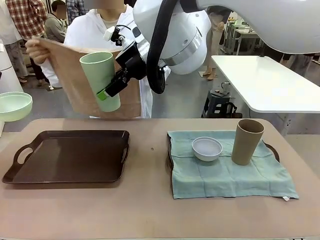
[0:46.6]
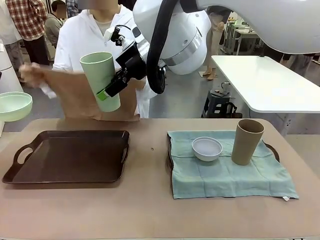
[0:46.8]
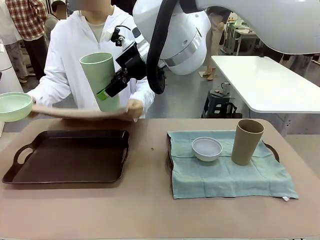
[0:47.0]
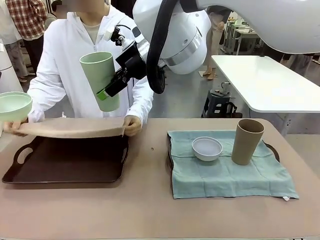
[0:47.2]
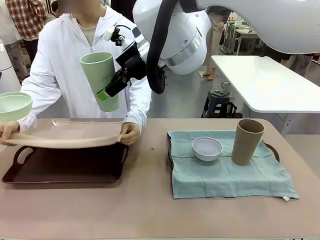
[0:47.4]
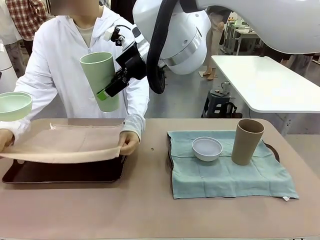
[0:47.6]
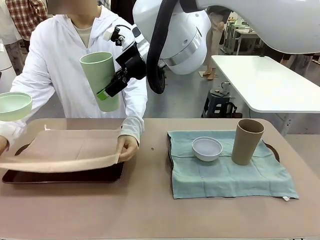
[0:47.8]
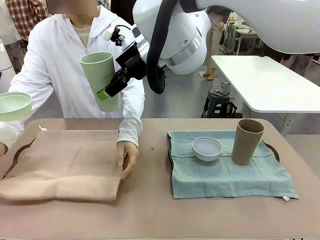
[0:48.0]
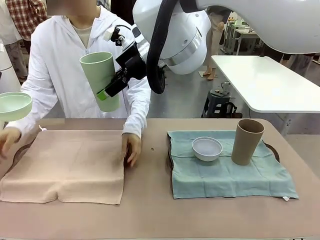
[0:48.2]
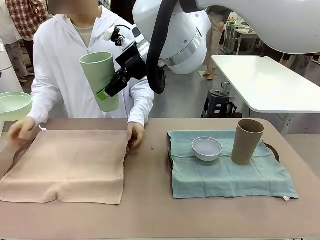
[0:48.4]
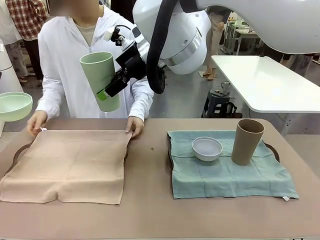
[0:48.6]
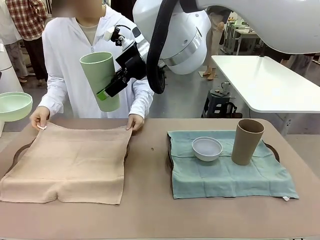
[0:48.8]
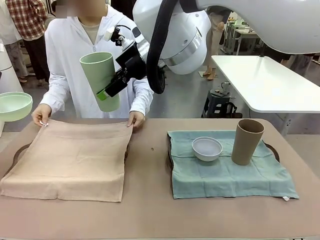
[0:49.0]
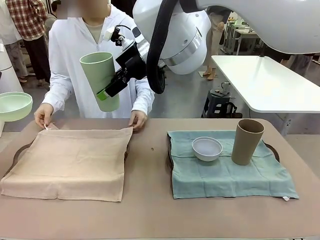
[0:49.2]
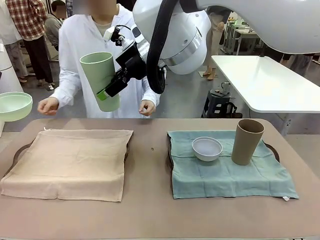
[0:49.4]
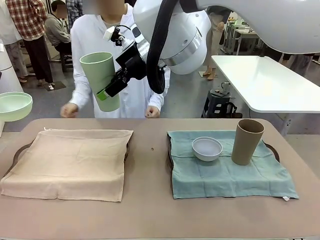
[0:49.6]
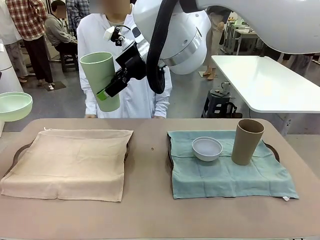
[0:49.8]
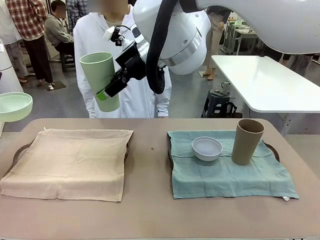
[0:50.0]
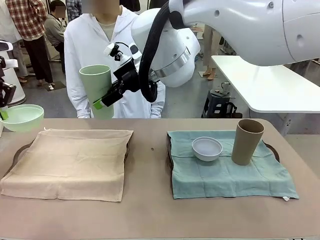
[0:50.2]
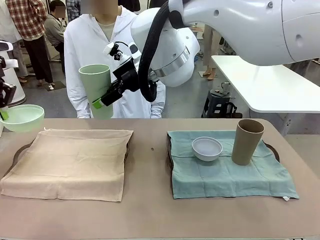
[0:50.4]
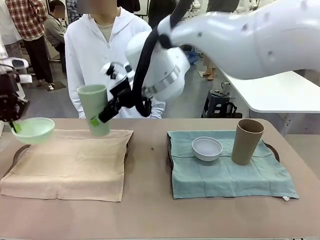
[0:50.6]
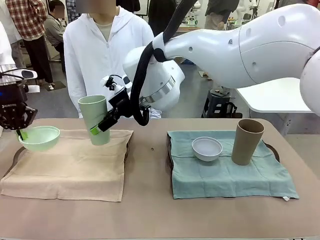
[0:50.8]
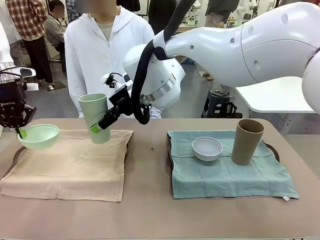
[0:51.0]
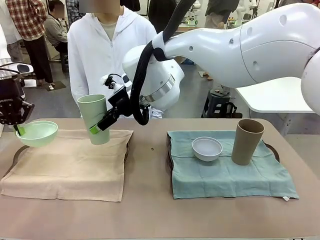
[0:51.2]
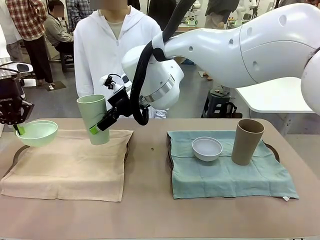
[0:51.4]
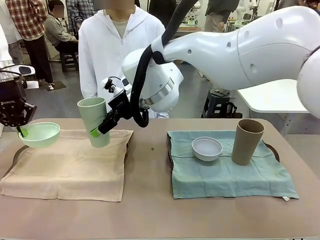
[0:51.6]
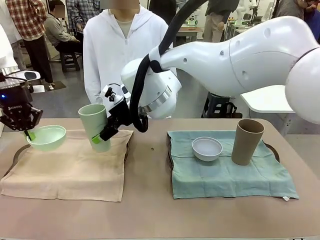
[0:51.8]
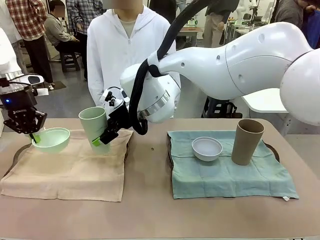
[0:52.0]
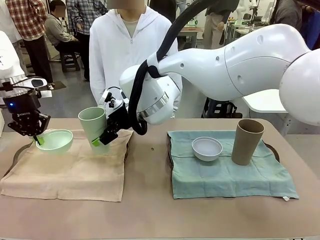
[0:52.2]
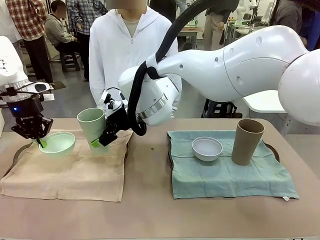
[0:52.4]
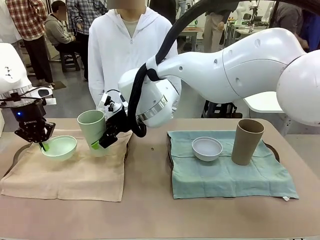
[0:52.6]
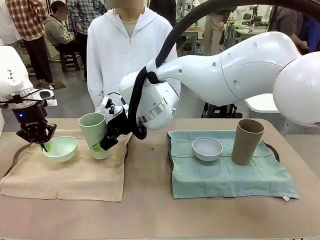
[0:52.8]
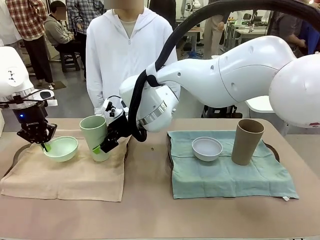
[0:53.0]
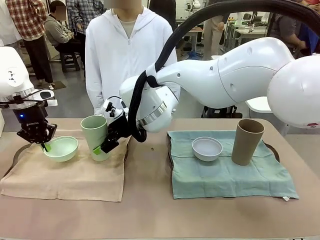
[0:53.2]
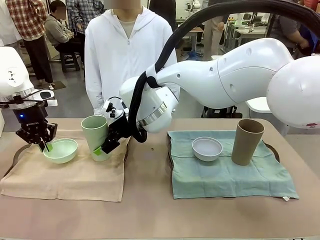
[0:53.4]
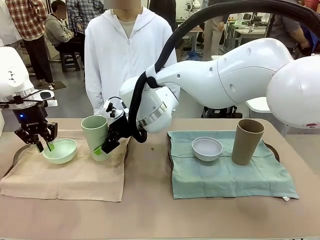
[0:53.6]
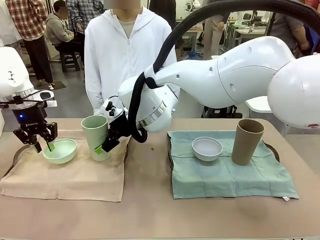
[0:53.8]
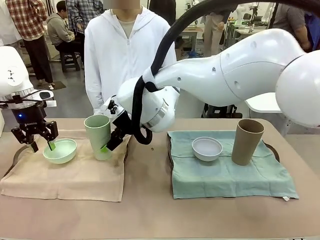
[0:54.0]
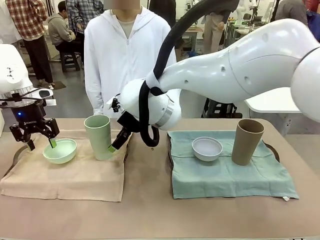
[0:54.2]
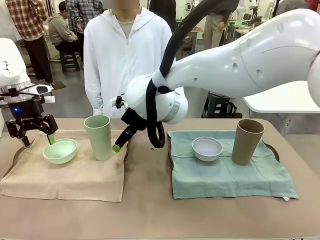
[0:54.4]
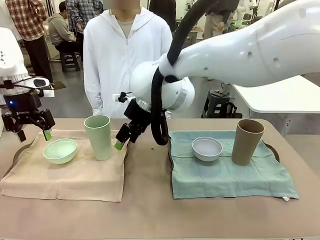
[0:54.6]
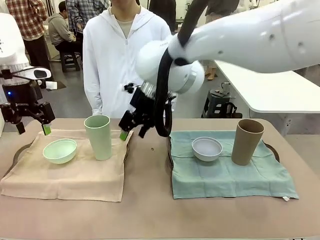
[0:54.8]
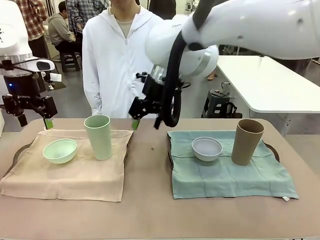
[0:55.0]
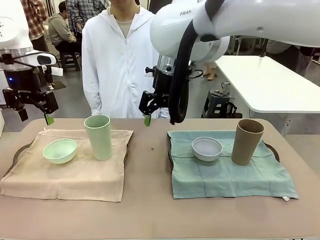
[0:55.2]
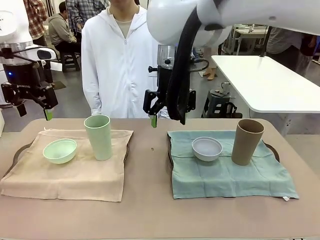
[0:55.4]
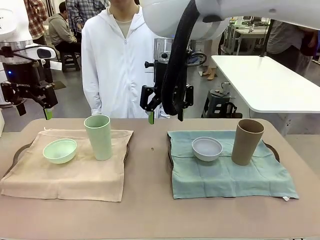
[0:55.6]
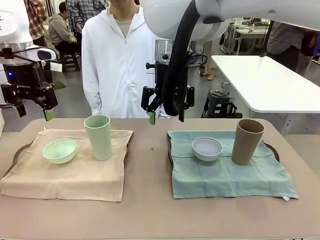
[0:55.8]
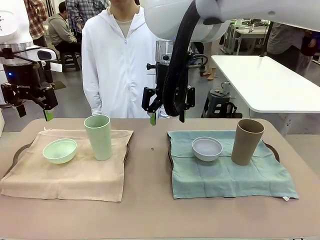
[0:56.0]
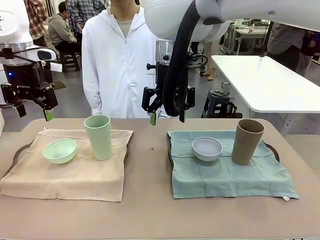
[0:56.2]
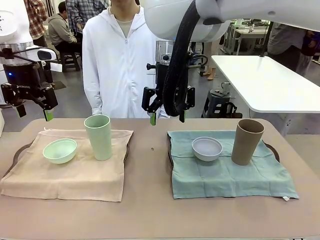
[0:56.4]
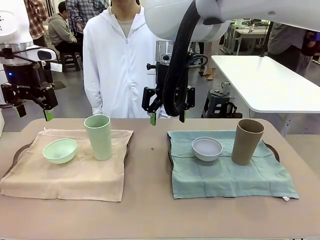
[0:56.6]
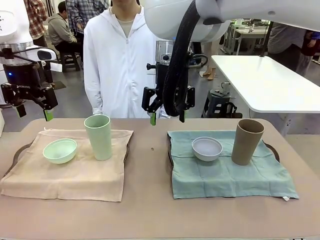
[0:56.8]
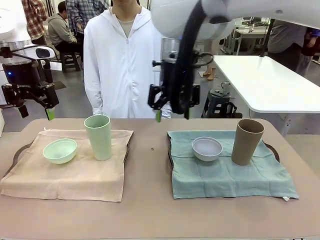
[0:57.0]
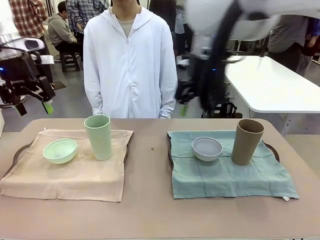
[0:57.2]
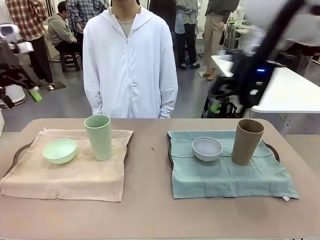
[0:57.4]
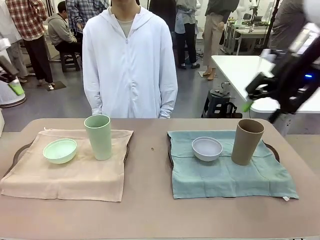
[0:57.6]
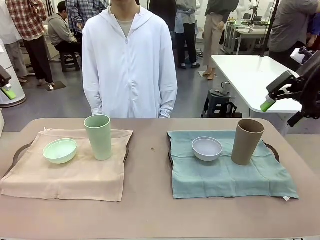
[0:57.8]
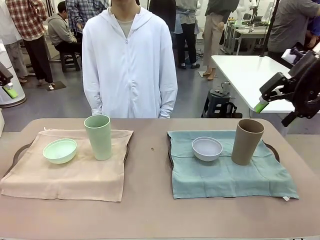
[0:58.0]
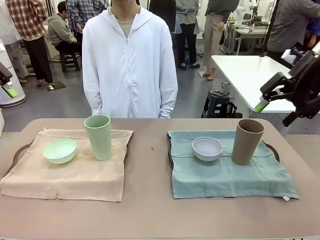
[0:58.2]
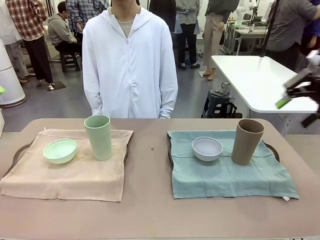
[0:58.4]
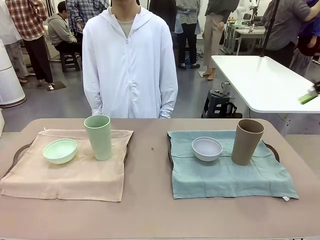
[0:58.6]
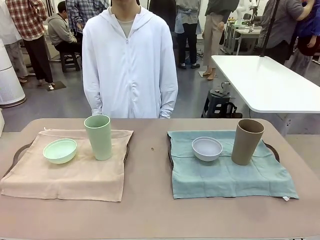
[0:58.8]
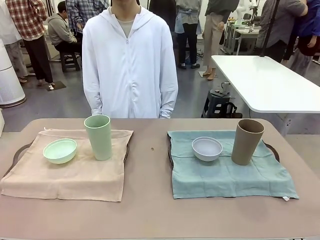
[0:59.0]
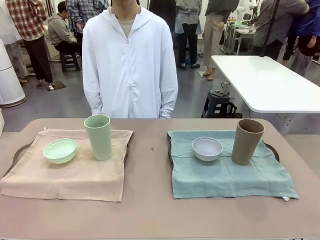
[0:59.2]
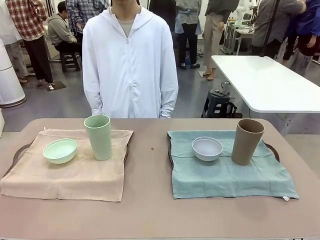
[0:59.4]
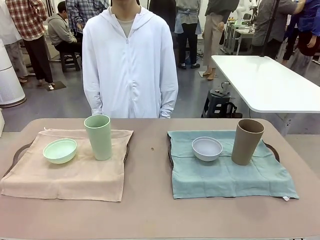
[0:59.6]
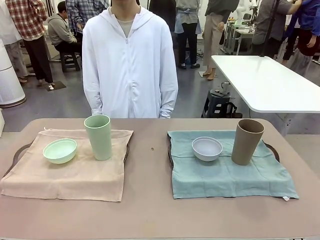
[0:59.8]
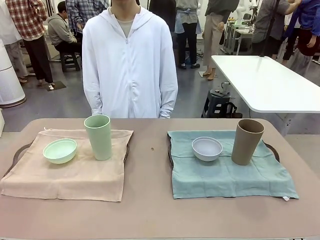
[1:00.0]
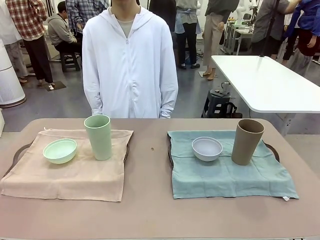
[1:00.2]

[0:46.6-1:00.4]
Robot: Place the Picnic Bowl and Reusable plastic cup back onto the Handle tray in front of the human's position.
Person: When the robot lifts the bowl and the cup, the human unfolds the napkin and lays the napkin flat on the tray.
